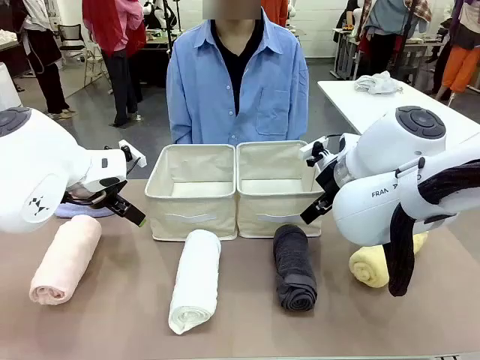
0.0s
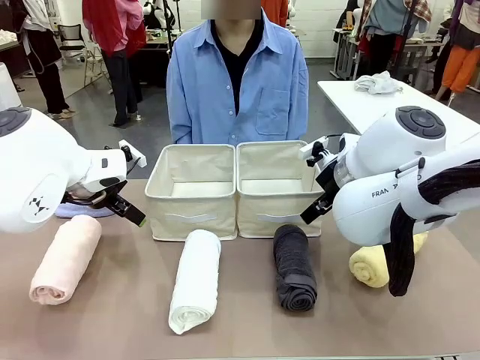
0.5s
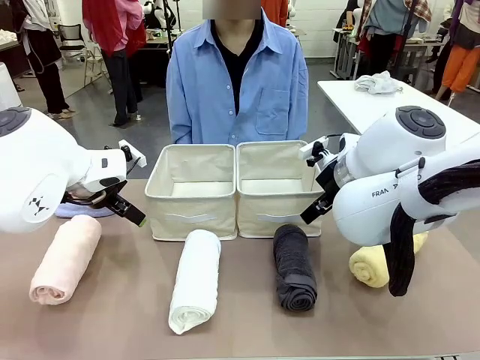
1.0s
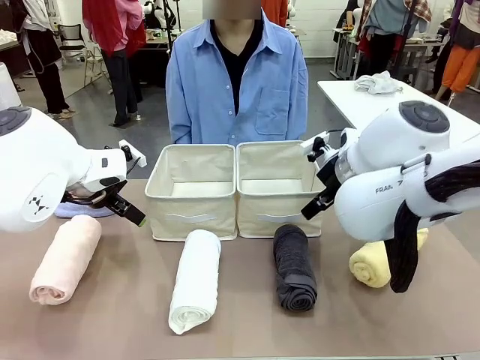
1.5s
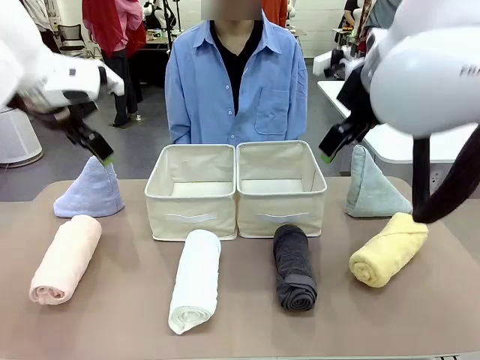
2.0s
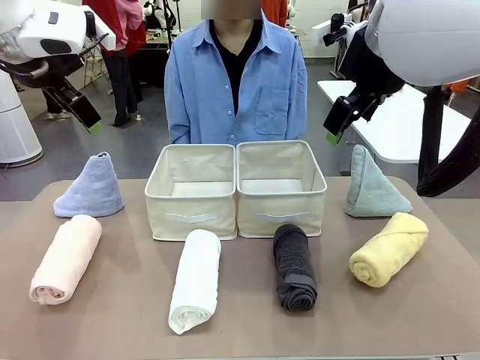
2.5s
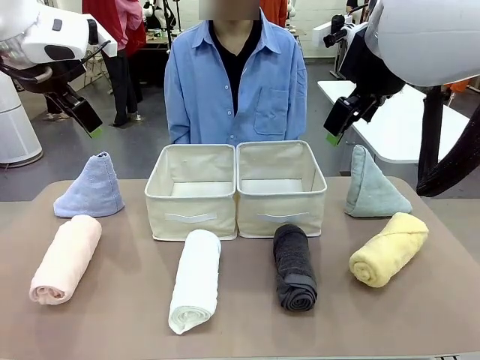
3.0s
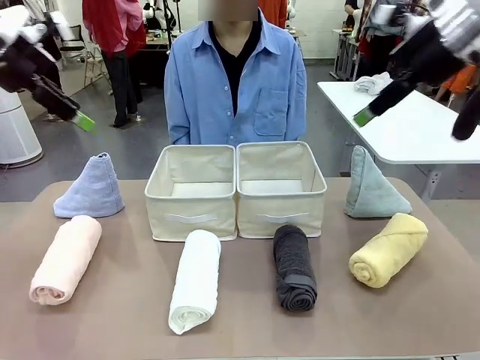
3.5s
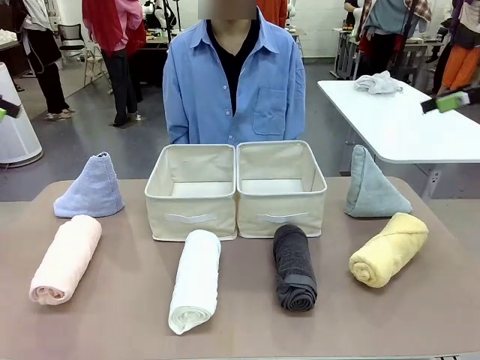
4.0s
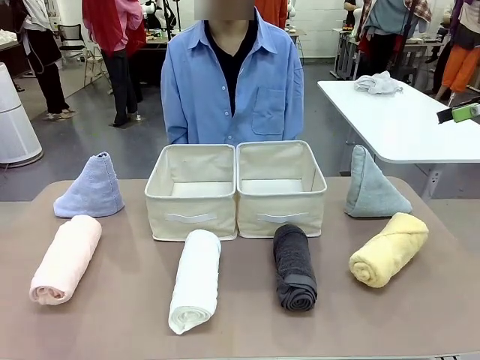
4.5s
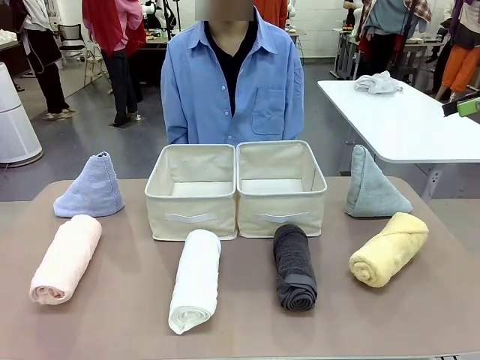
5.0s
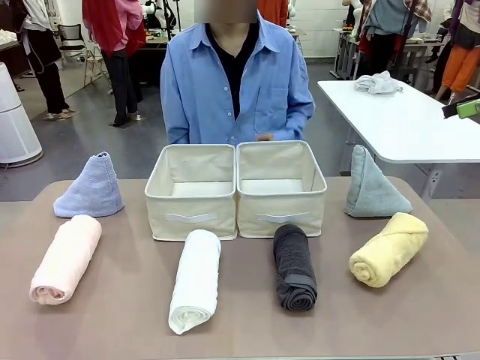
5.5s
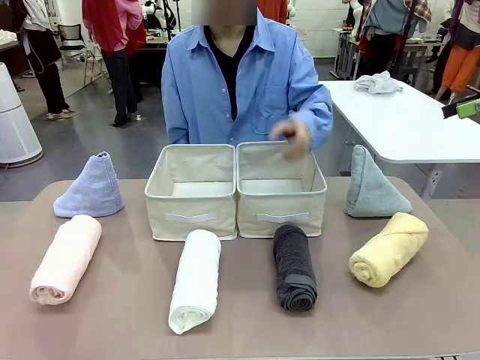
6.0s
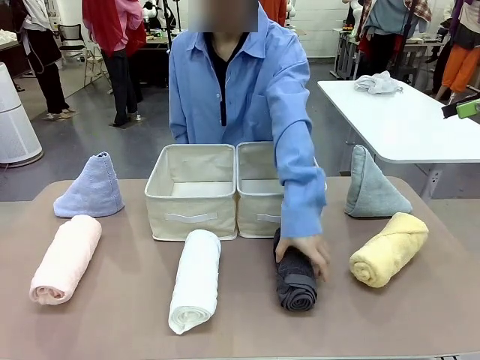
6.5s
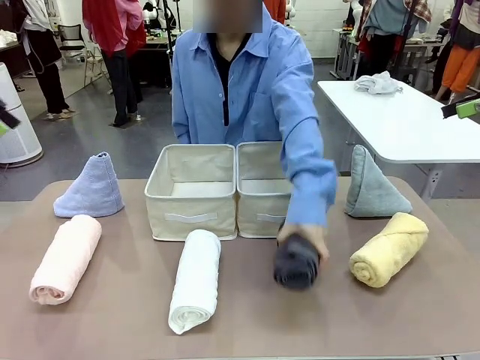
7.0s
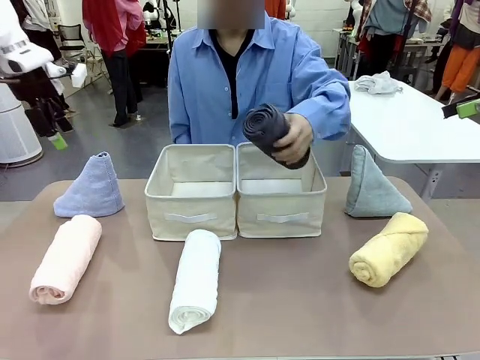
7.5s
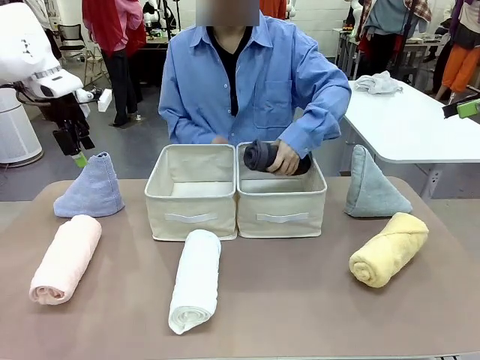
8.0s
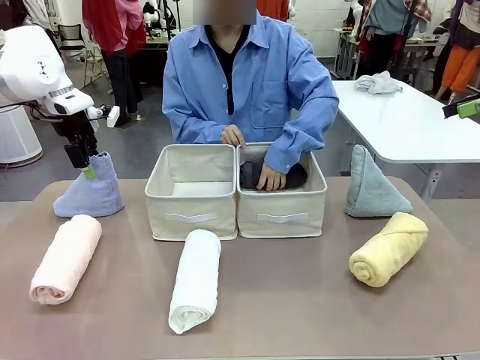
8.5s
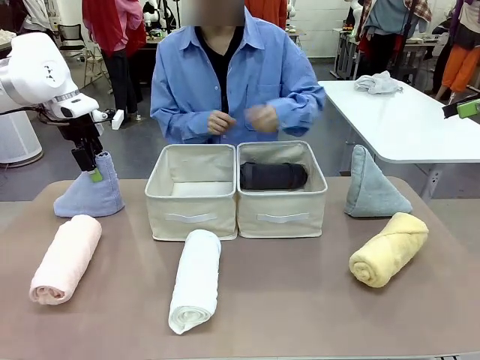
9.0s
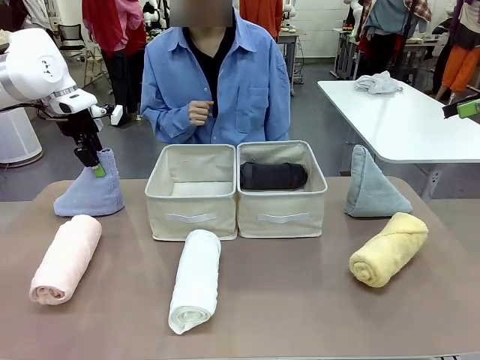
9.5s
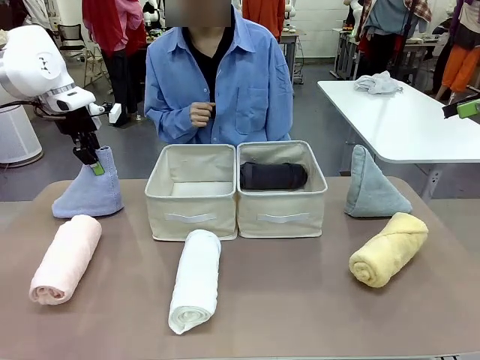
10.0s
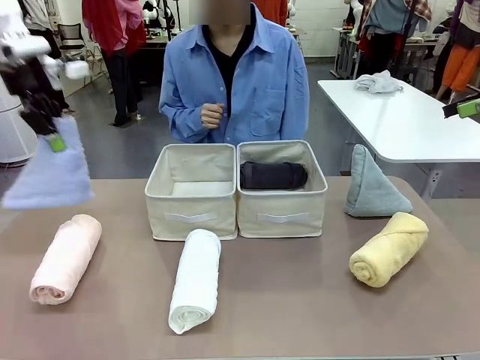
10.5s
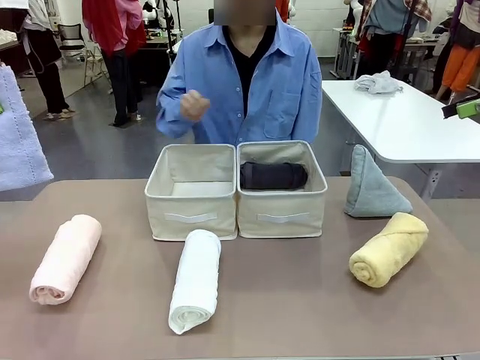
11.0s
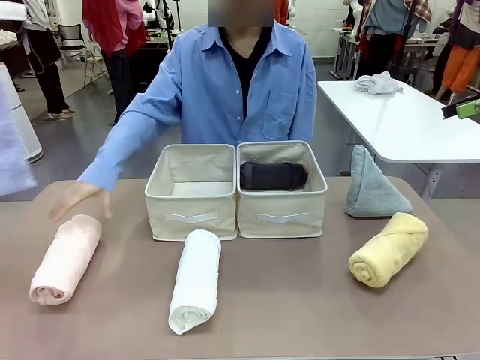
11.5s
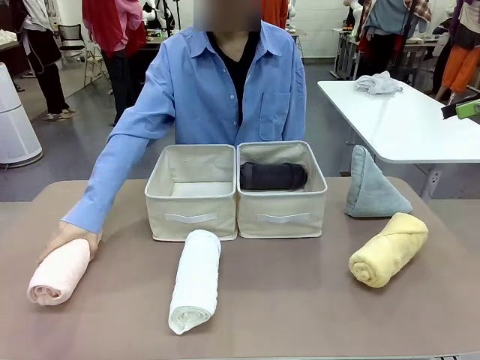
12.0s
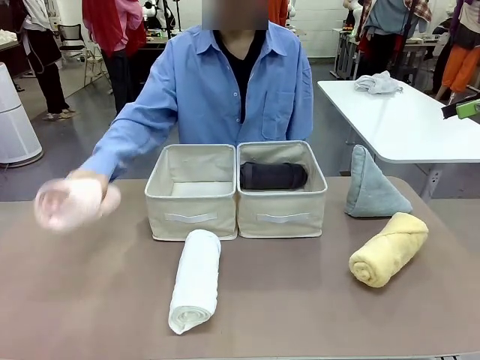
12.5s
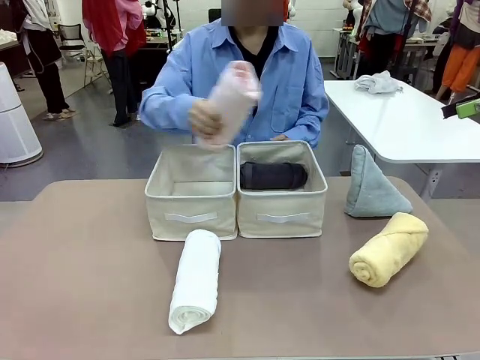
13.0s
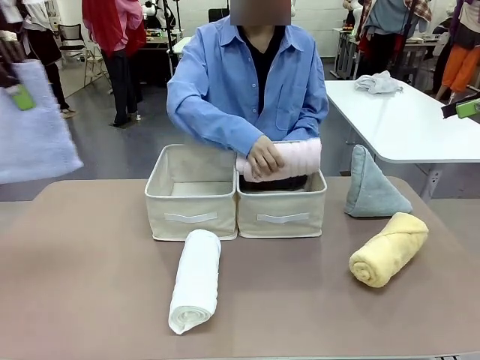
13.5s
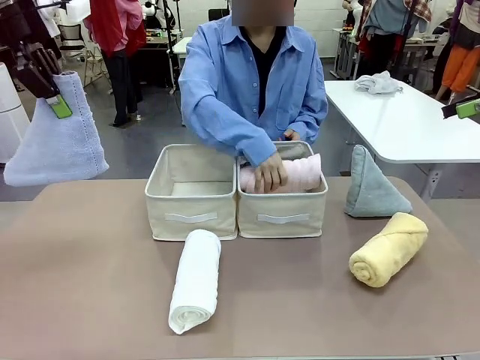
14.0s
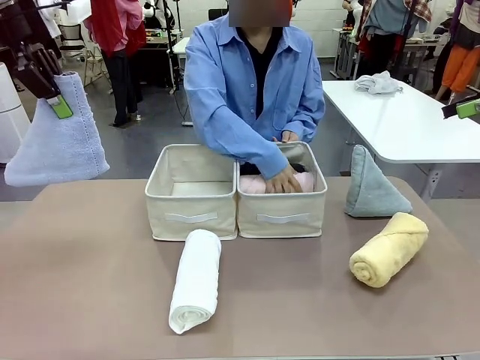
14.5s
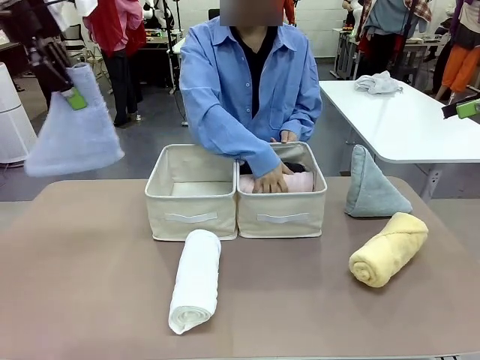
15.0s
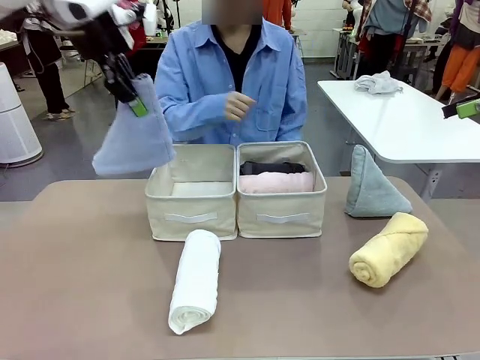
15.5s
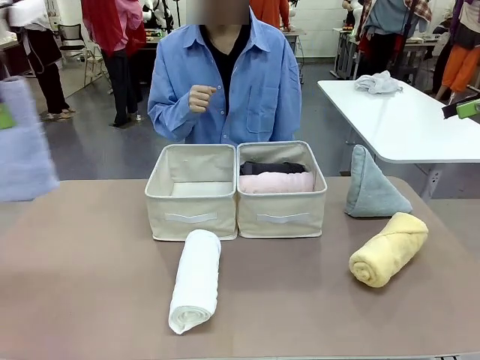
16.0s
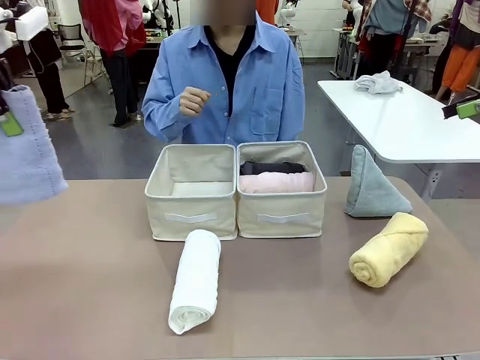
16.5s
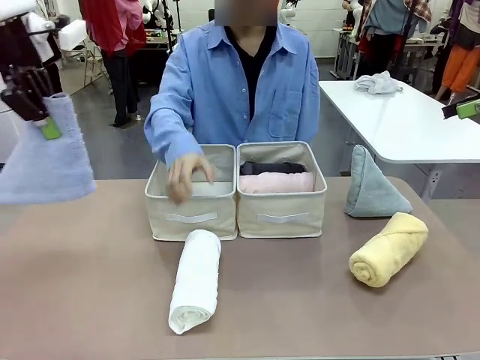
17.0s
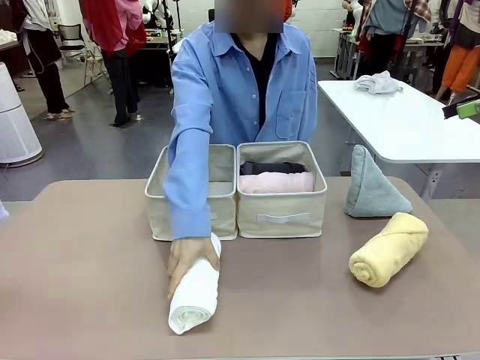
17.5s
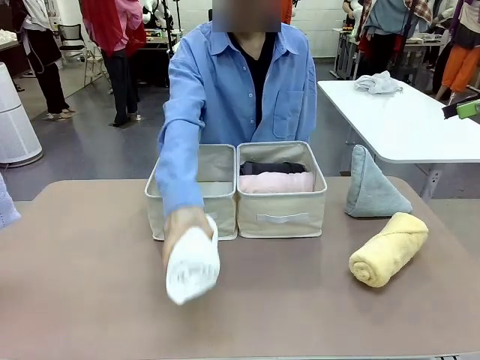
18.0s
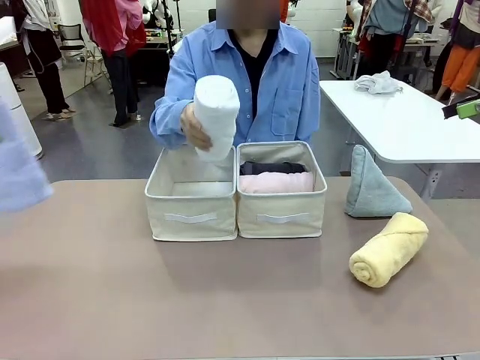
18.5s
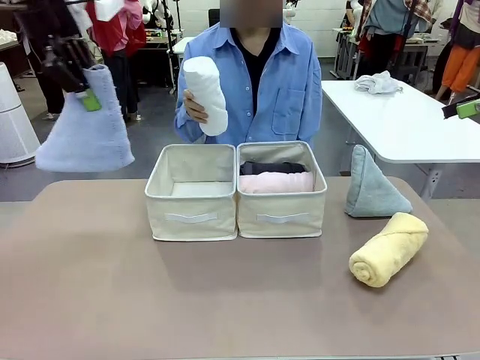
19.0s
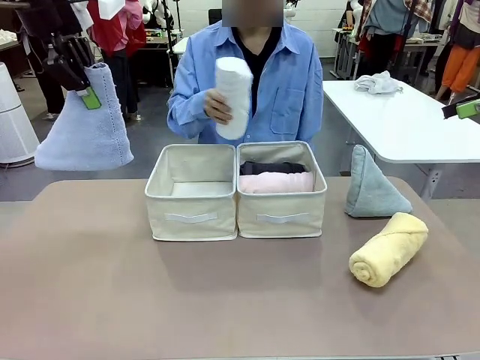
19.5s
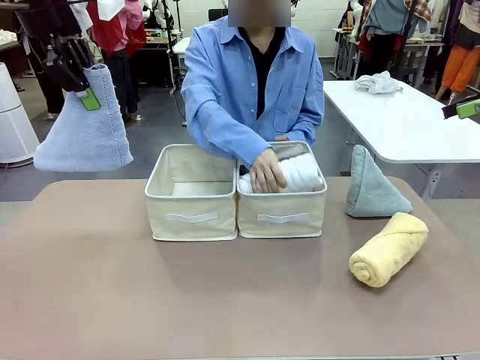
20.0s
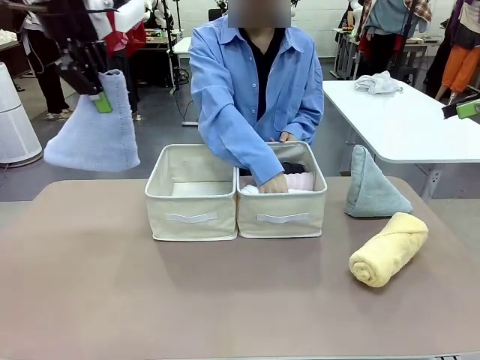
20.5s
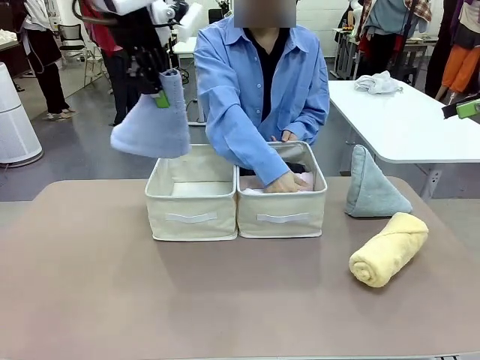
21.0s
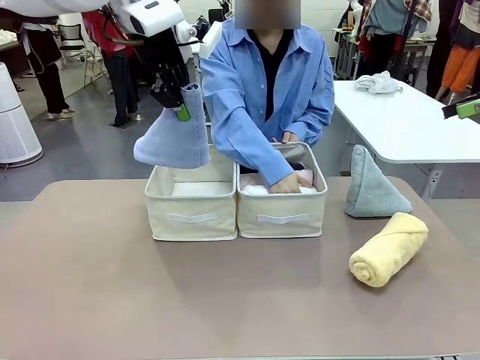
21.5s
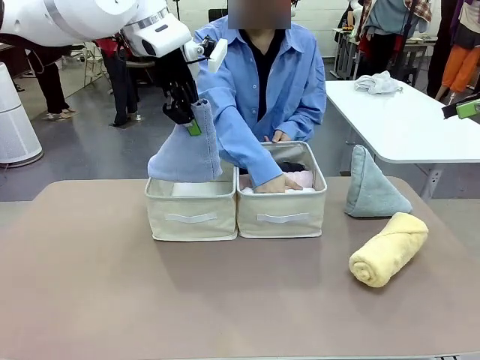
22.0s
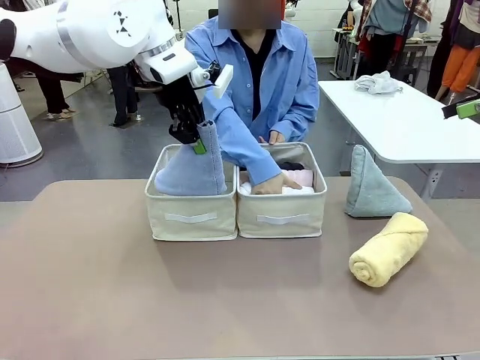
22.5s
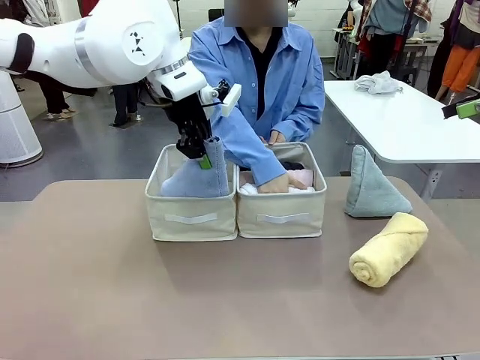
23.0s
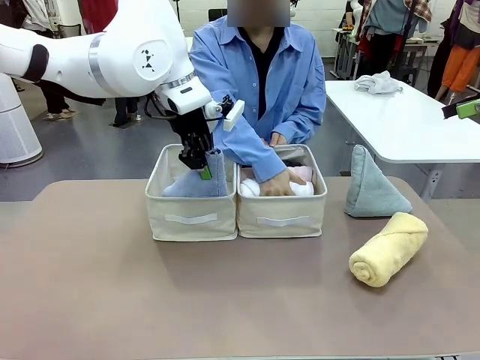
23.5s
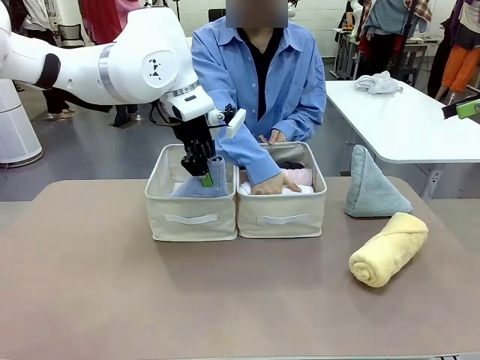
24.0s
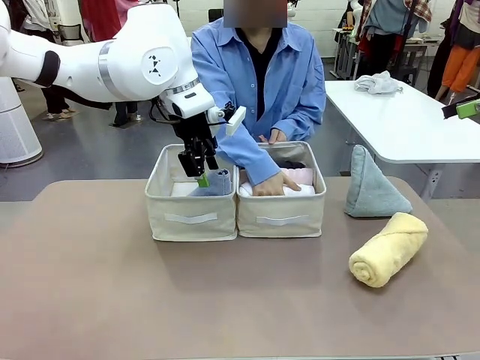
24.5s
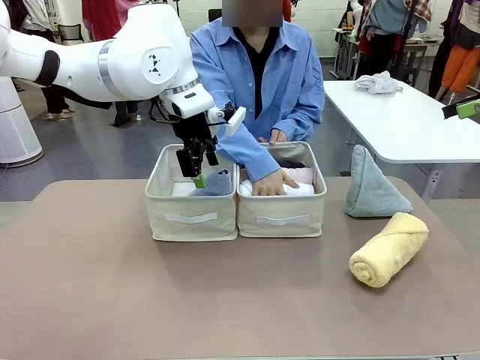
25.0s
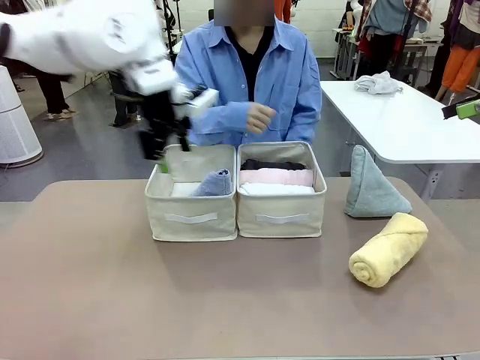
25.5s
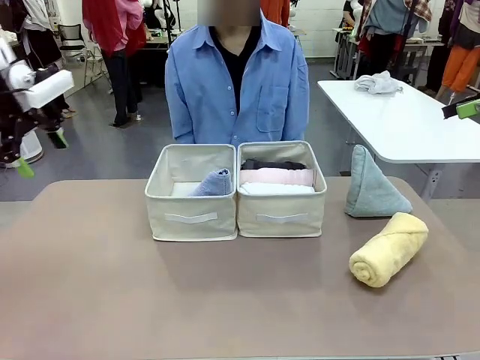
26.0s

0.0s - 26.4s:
Task: Sort the towels based on their folding style.
Robot: Pick up one triangle-folded towel and place it in the left Fabric basket.
Person: Pick up one hotel-style rolled towel and place it in the left fabric basket.
